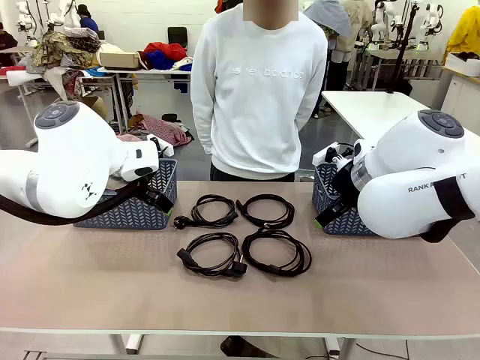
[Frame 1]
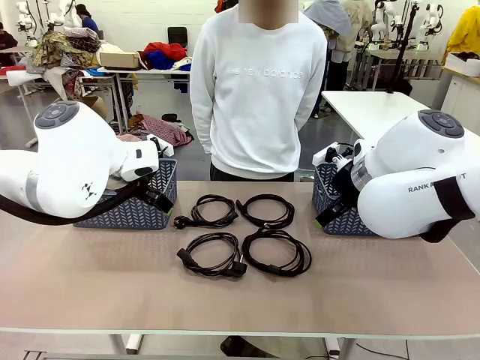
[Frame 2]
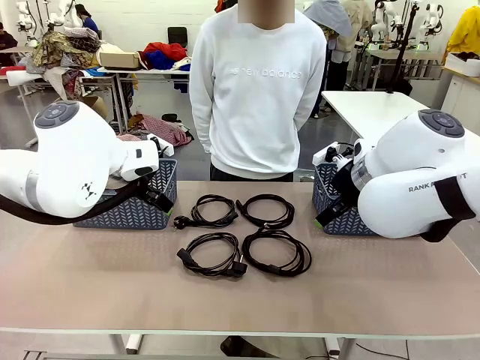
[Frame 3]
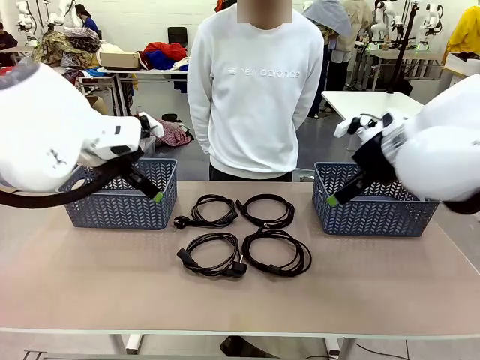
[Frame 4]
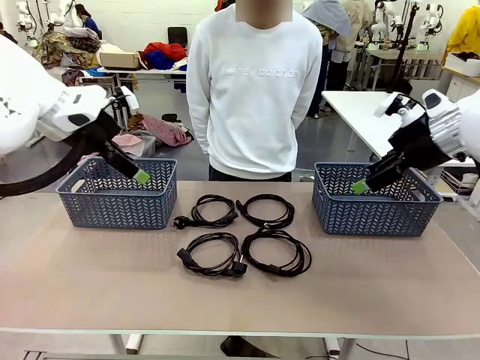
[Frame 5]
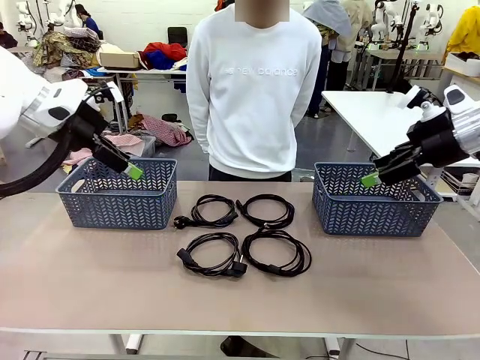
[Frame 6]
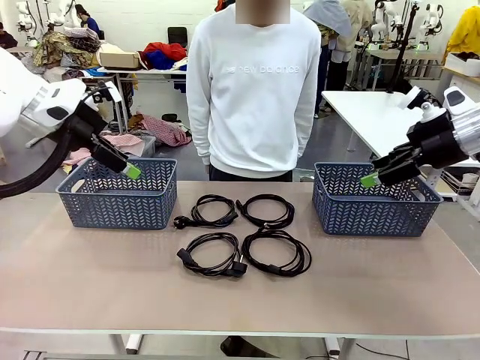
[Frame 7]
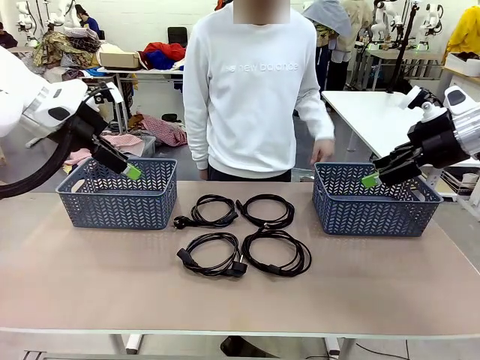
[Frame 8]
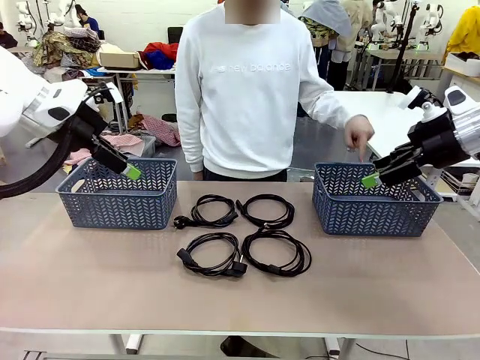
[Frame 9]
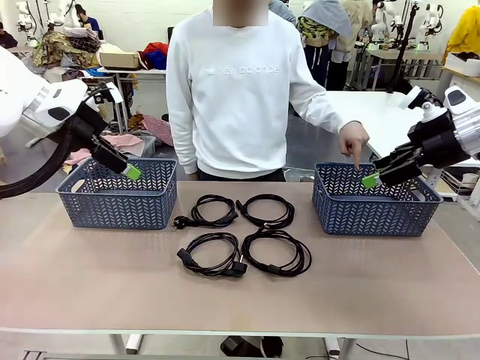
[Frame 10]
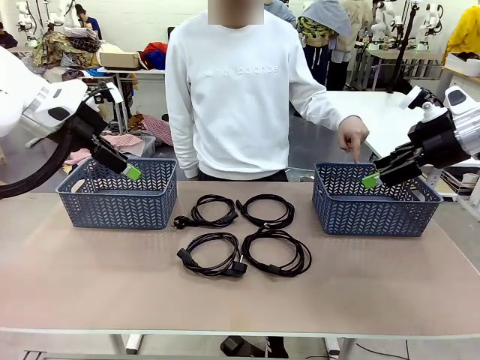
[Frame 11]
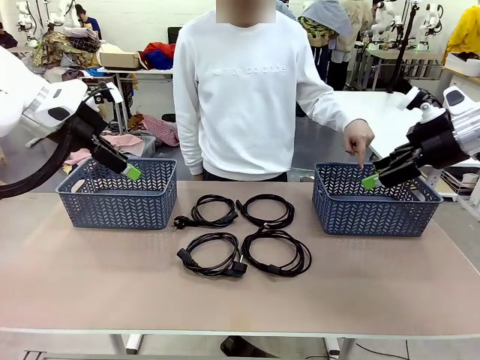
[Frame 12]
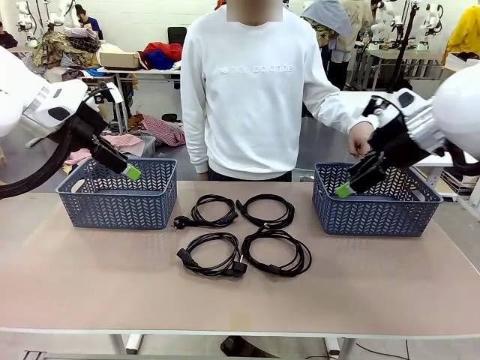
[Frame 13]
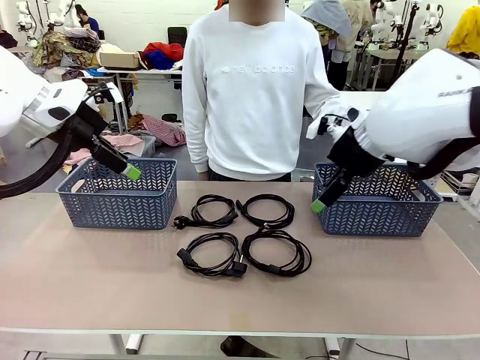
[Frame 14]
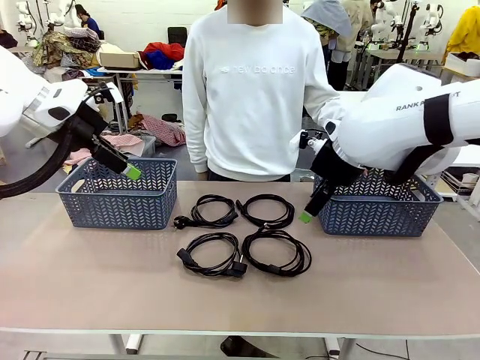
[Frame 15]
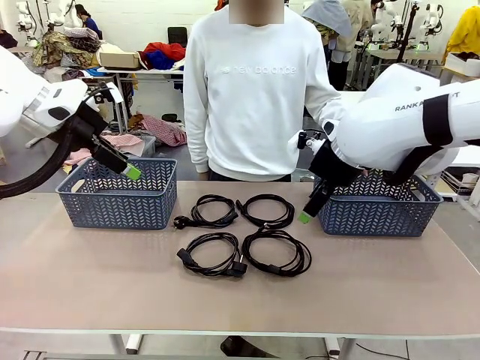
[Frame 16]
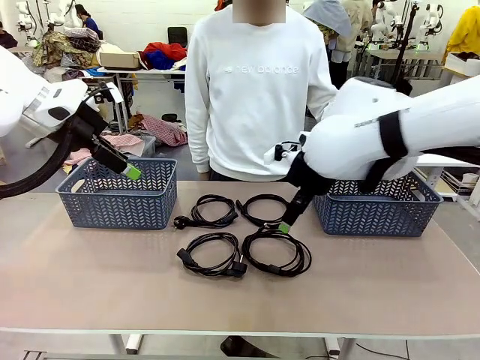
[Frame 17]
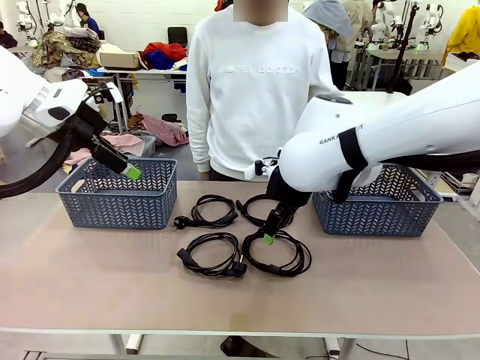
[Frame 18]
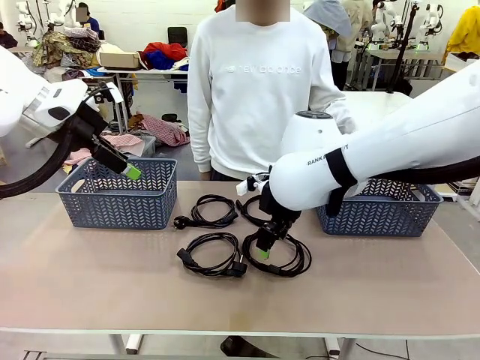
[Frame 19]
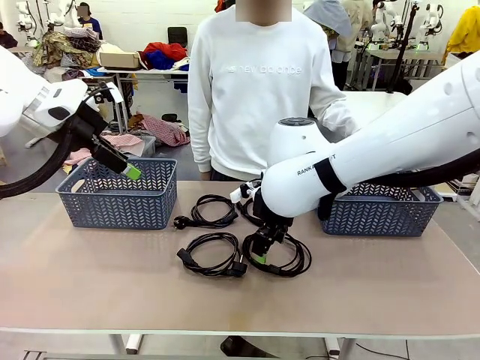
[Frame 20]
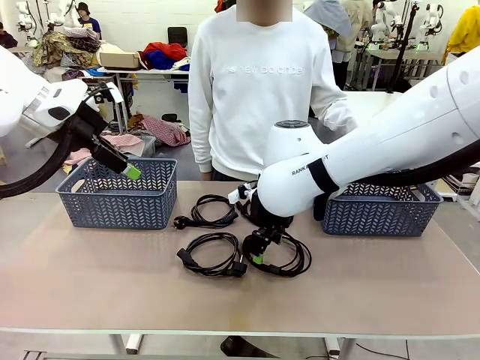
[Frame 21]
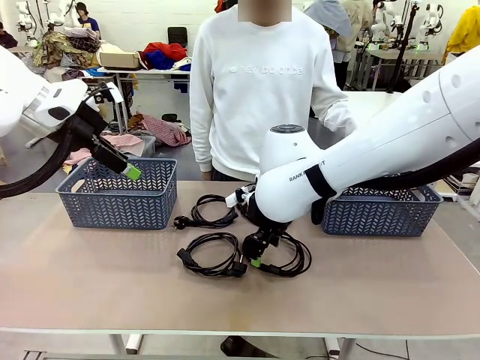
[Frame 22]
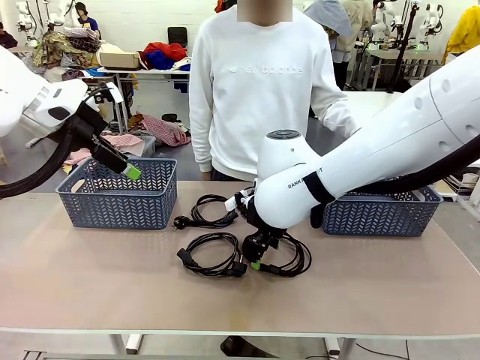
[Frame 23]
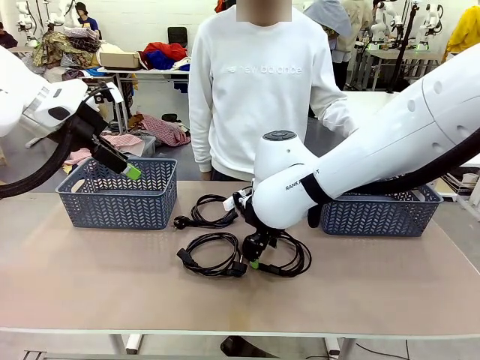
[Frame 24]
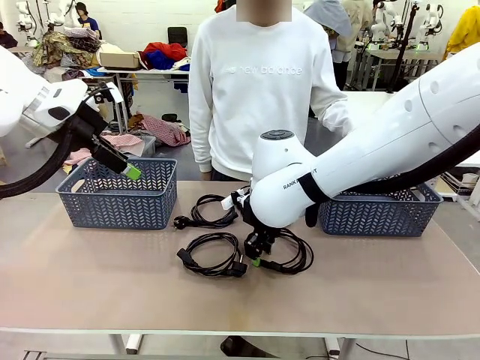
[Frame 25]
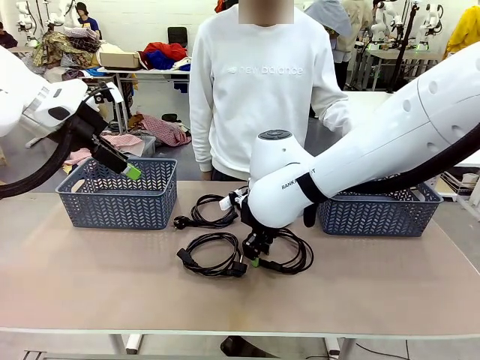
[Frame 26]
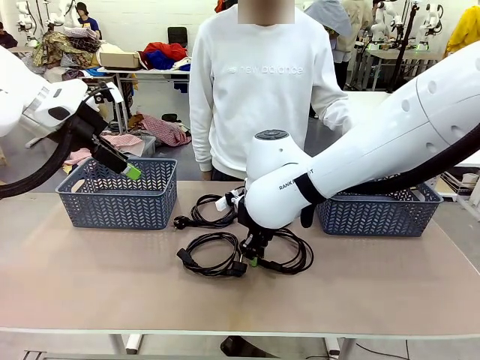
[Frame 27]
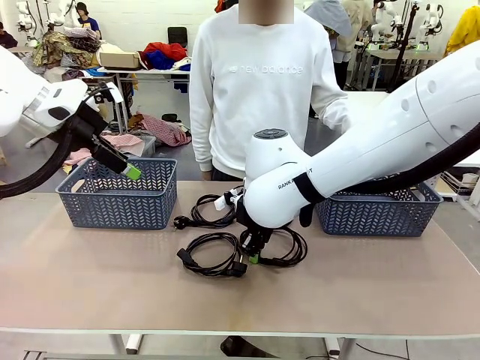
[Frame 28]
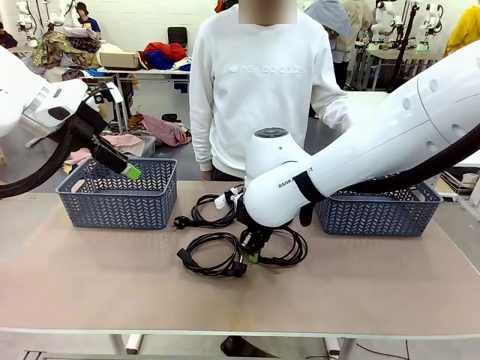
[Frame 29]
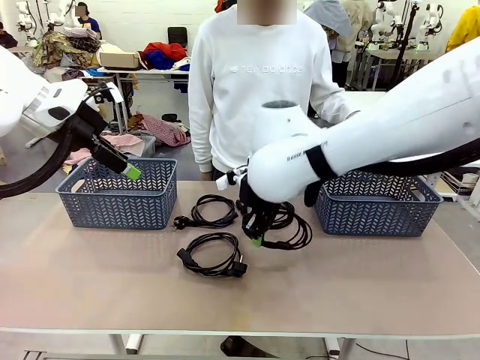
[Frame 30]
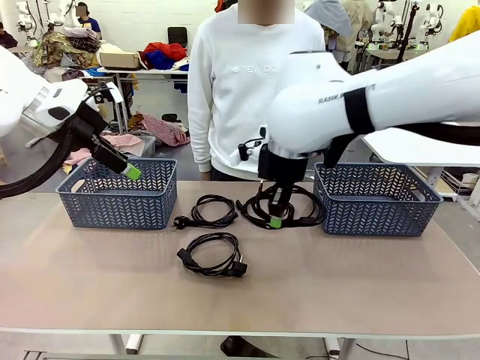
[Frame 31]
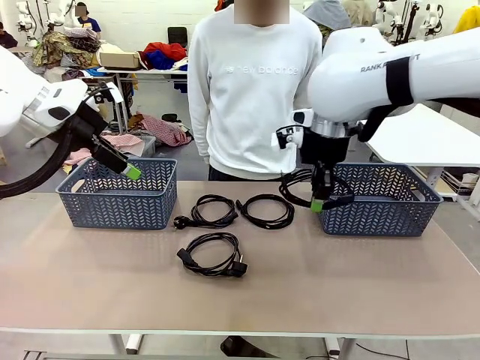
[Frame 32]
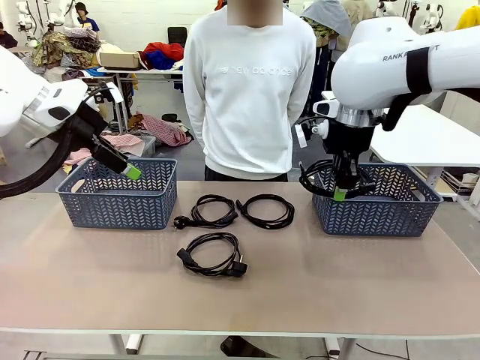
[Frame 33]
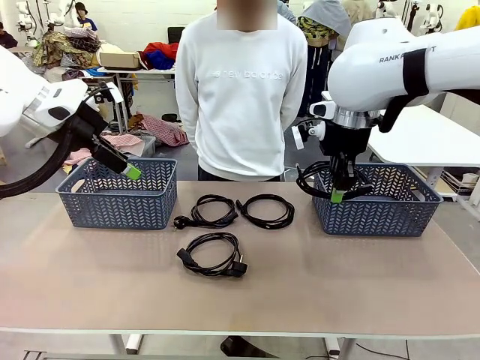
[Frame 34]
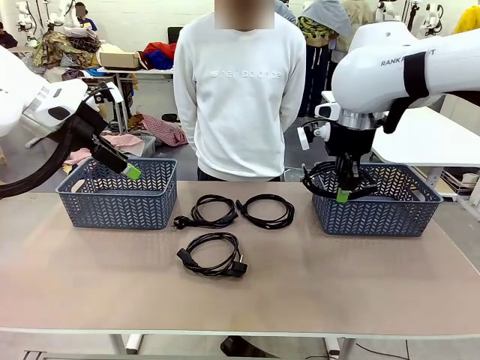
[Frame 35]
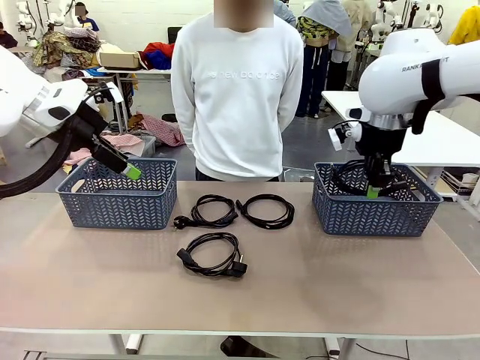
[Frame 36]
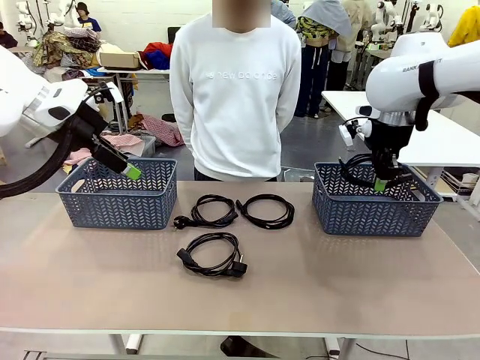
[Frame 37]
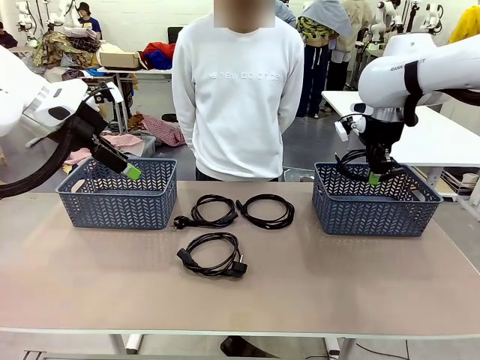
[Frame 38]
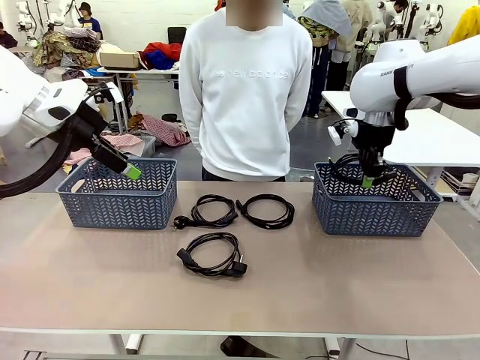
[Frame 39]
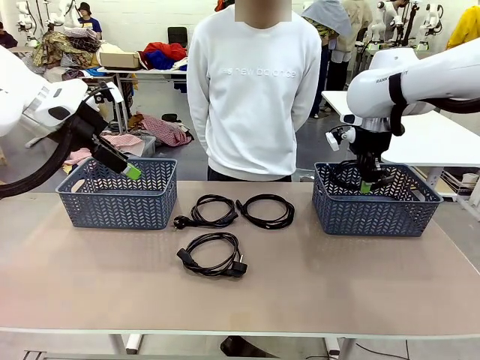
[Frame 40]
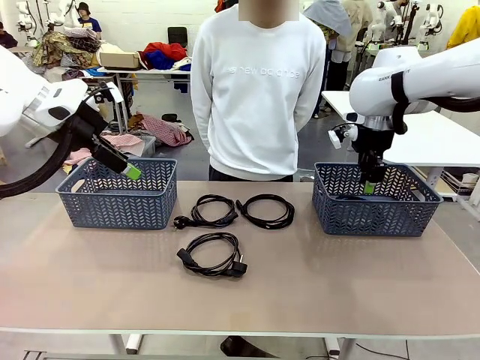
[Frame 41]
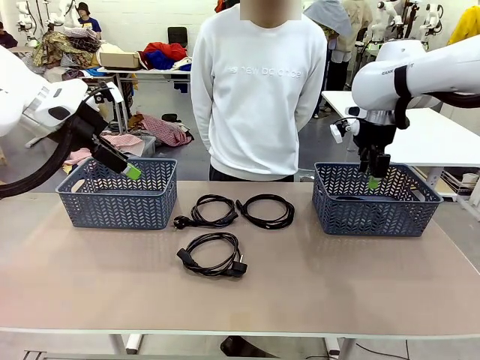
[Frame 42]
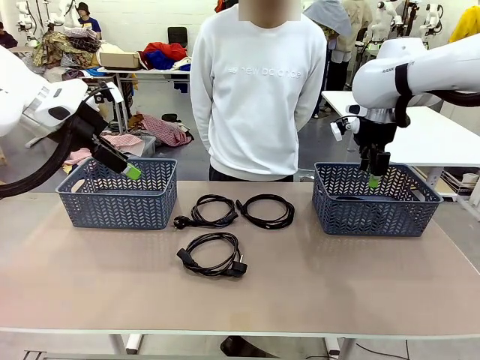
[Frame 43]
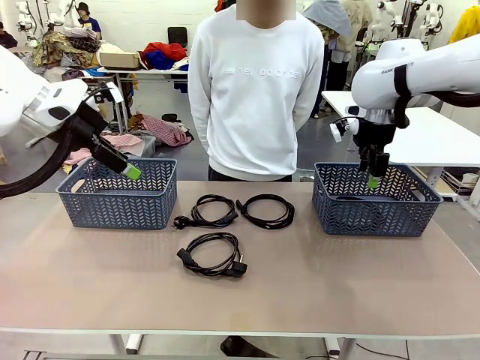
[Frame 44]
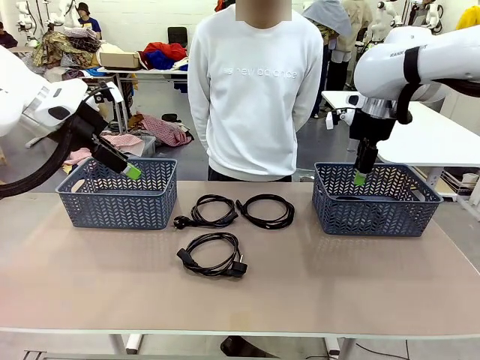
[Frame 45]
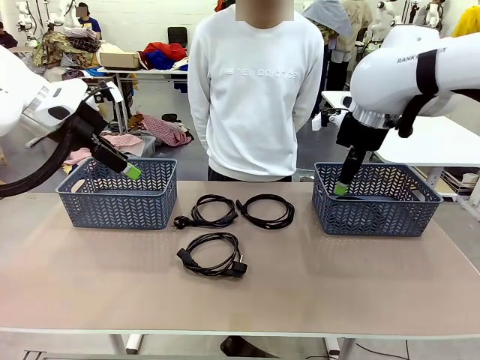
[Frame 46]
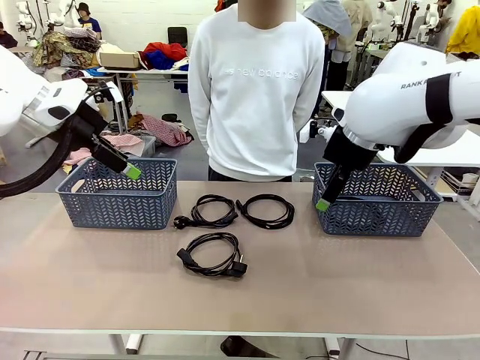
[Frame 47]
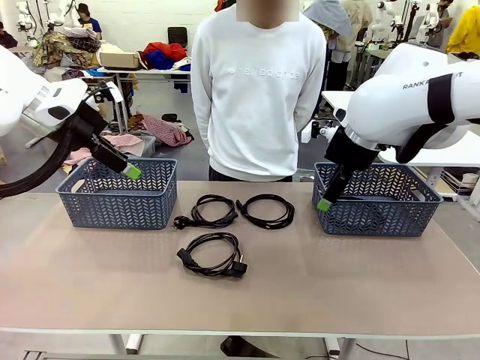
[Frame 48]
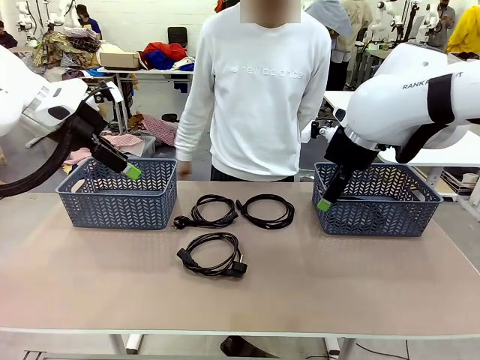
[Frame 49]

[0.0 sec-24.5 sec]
Task: Organize the cables according to human instructions.
Robot: Pick up a bundle of cables and place it in the basket indicated by the human.
